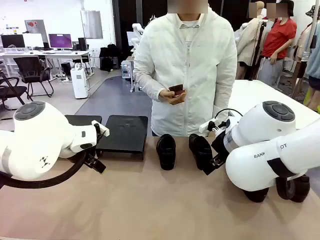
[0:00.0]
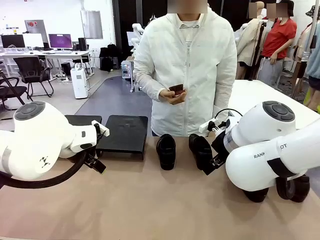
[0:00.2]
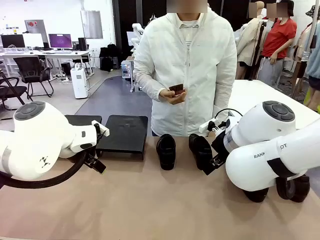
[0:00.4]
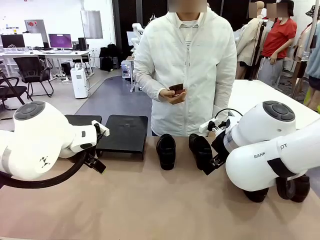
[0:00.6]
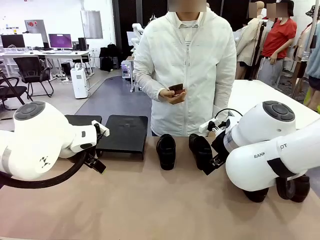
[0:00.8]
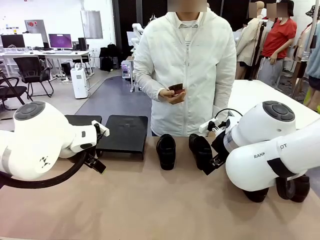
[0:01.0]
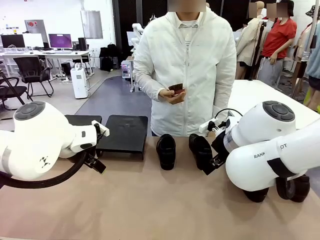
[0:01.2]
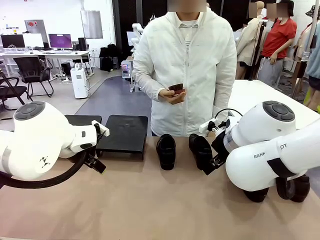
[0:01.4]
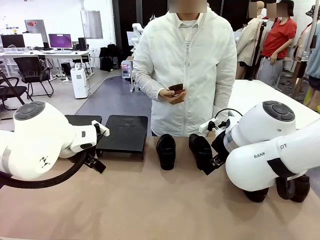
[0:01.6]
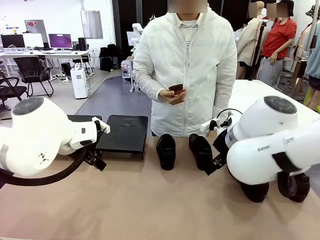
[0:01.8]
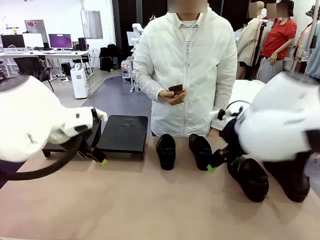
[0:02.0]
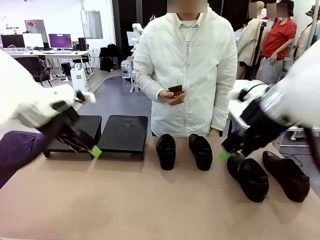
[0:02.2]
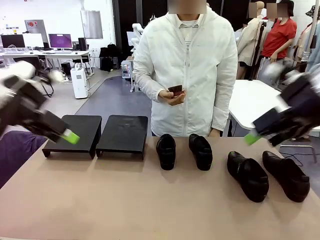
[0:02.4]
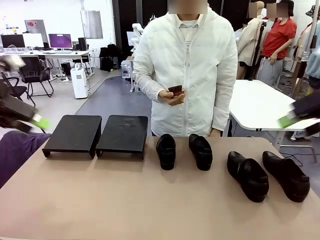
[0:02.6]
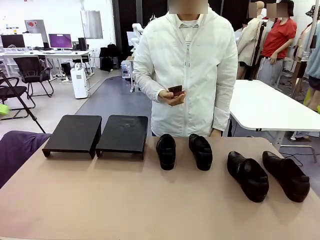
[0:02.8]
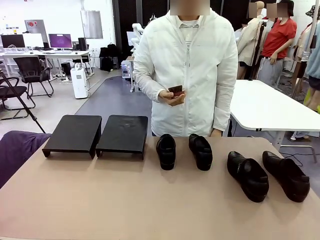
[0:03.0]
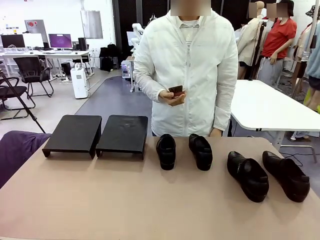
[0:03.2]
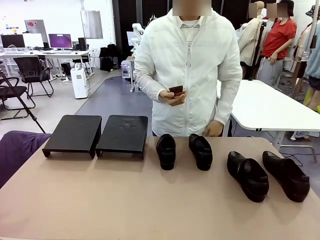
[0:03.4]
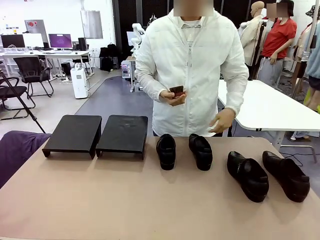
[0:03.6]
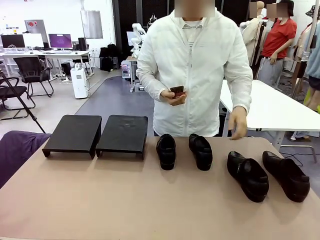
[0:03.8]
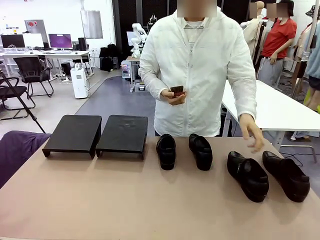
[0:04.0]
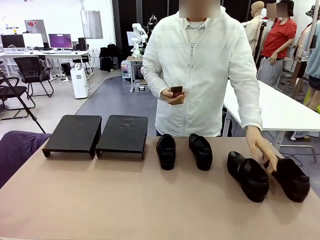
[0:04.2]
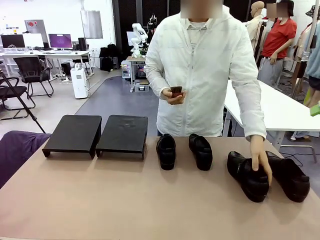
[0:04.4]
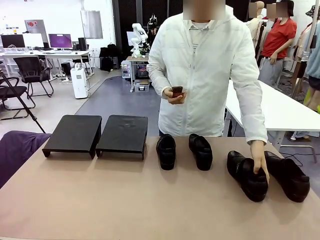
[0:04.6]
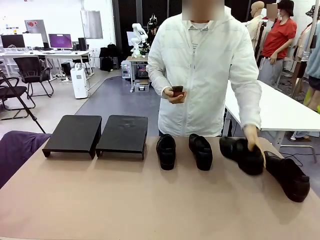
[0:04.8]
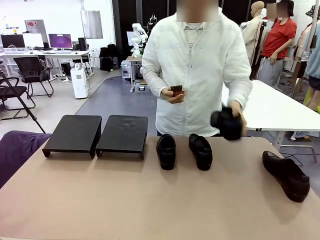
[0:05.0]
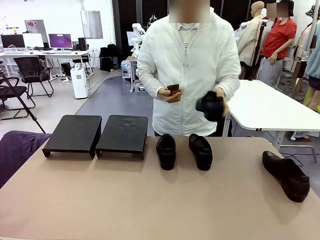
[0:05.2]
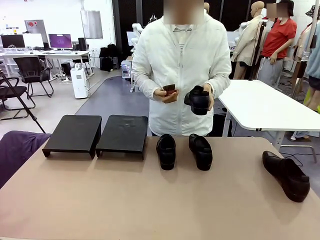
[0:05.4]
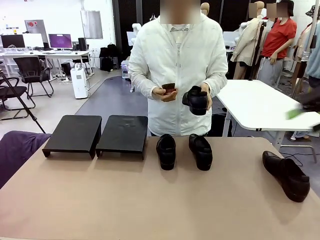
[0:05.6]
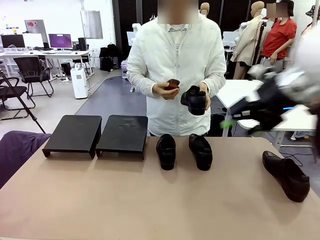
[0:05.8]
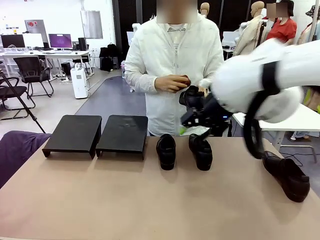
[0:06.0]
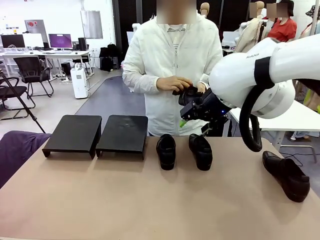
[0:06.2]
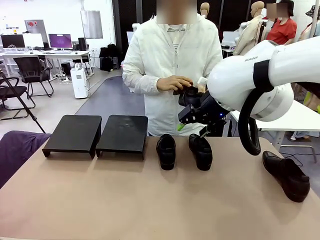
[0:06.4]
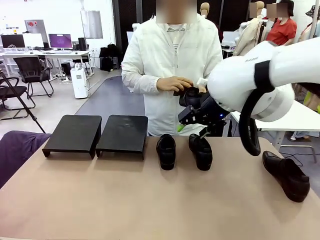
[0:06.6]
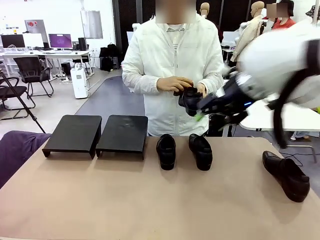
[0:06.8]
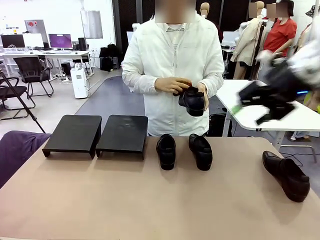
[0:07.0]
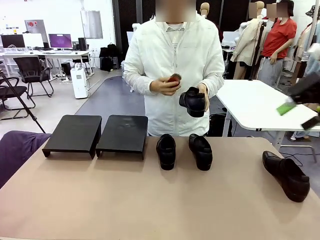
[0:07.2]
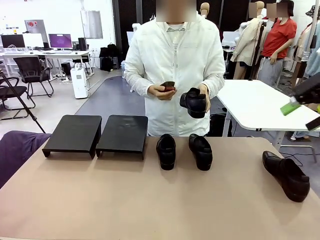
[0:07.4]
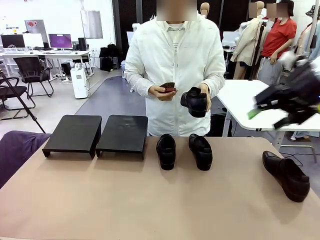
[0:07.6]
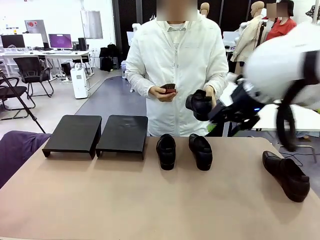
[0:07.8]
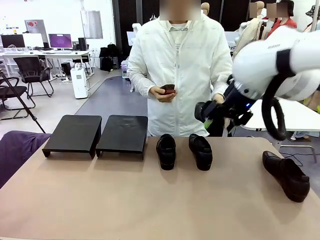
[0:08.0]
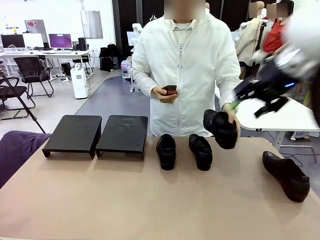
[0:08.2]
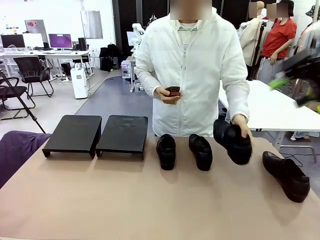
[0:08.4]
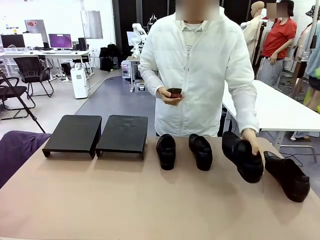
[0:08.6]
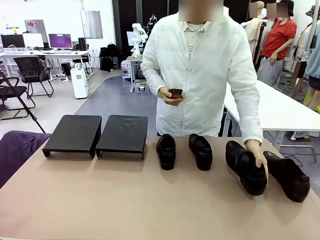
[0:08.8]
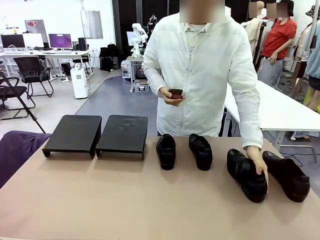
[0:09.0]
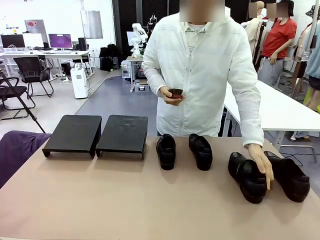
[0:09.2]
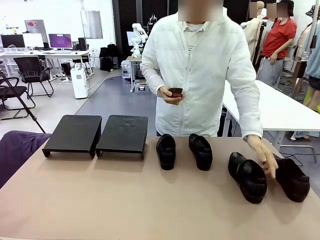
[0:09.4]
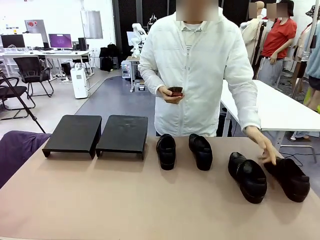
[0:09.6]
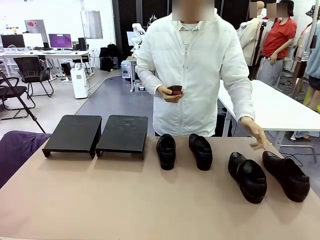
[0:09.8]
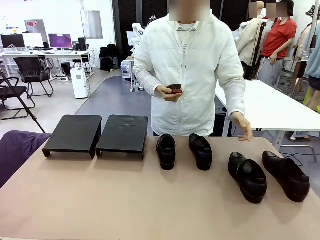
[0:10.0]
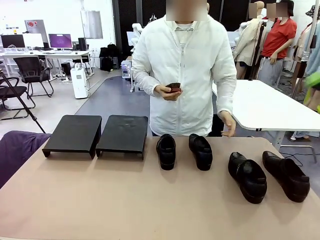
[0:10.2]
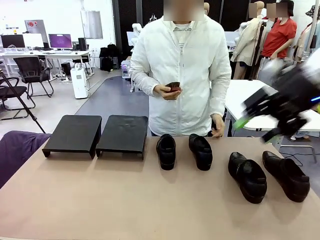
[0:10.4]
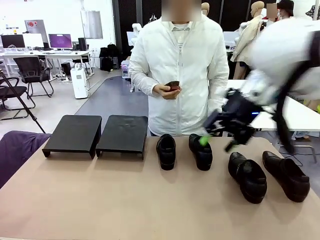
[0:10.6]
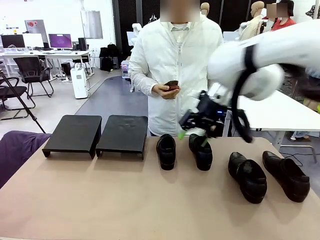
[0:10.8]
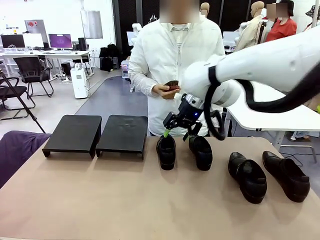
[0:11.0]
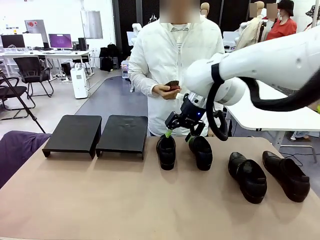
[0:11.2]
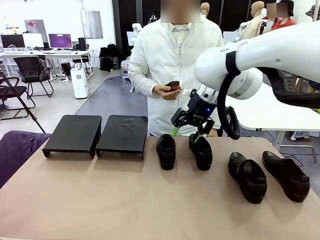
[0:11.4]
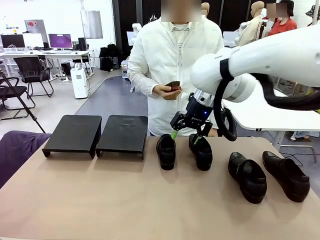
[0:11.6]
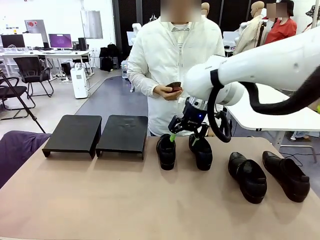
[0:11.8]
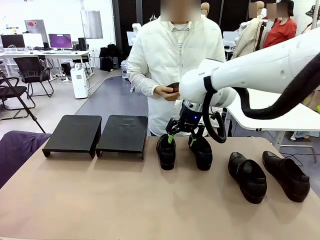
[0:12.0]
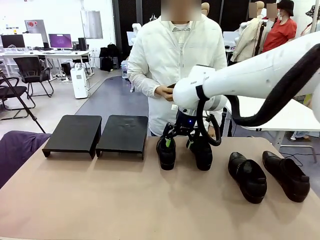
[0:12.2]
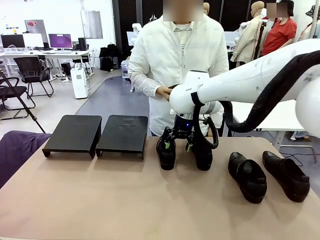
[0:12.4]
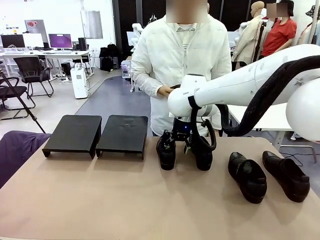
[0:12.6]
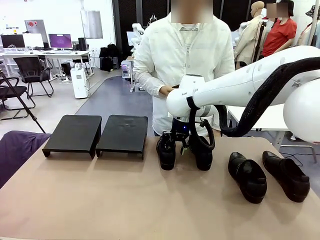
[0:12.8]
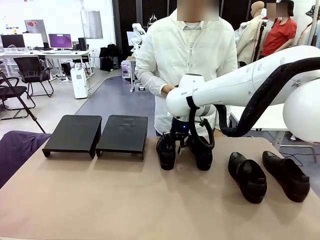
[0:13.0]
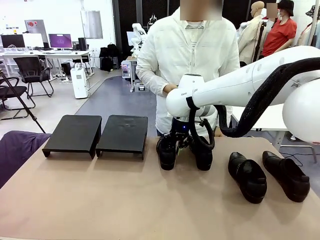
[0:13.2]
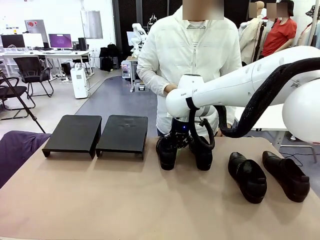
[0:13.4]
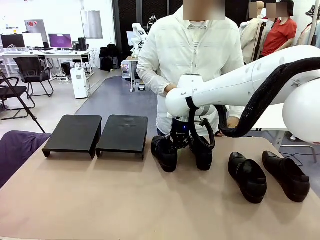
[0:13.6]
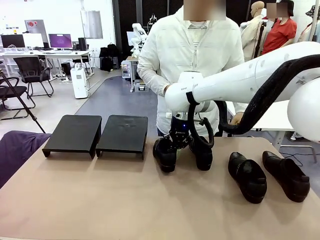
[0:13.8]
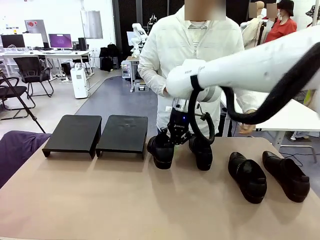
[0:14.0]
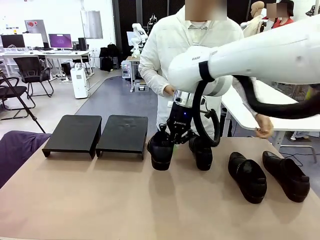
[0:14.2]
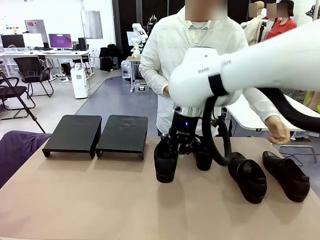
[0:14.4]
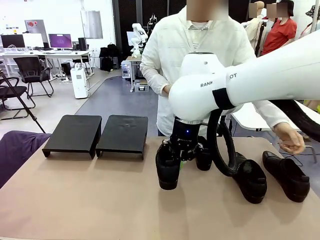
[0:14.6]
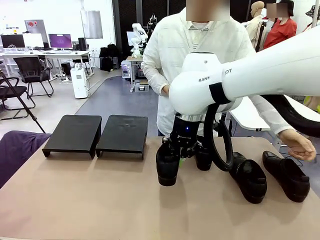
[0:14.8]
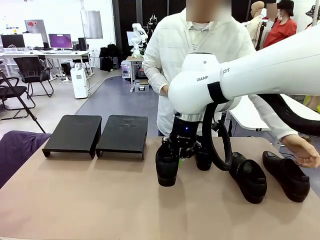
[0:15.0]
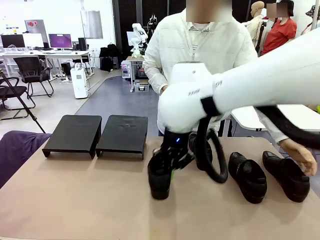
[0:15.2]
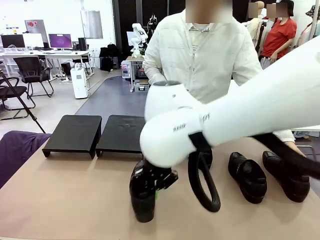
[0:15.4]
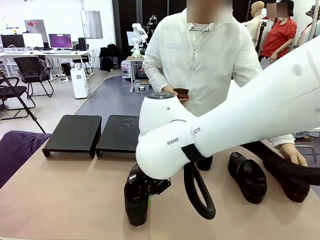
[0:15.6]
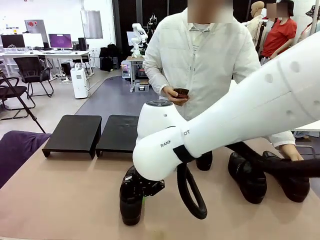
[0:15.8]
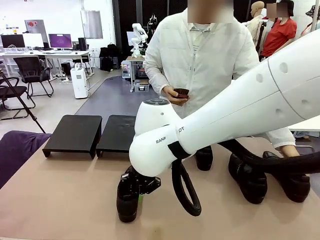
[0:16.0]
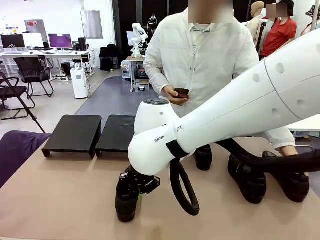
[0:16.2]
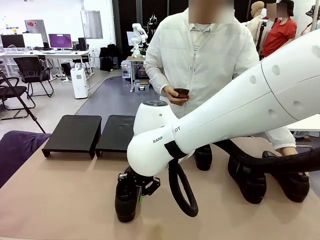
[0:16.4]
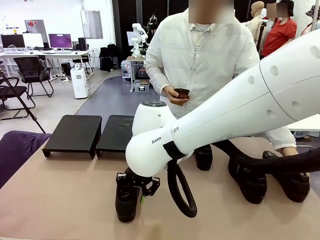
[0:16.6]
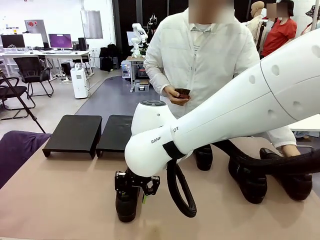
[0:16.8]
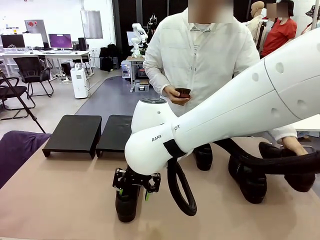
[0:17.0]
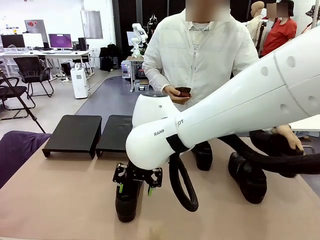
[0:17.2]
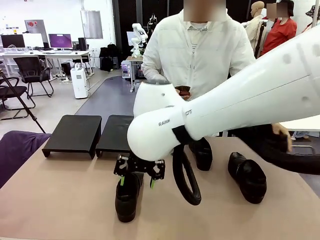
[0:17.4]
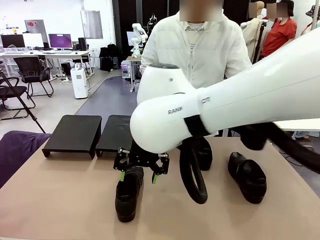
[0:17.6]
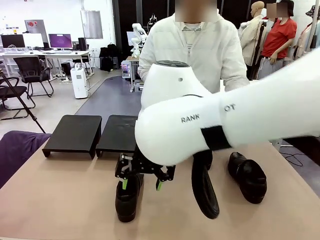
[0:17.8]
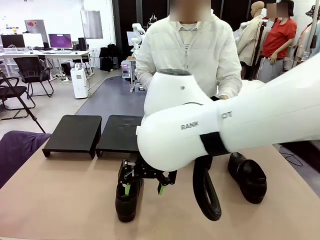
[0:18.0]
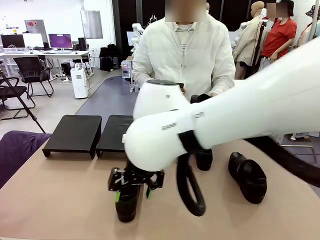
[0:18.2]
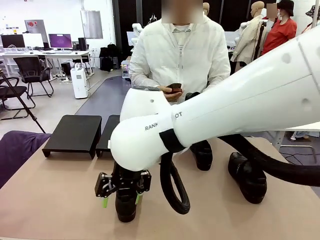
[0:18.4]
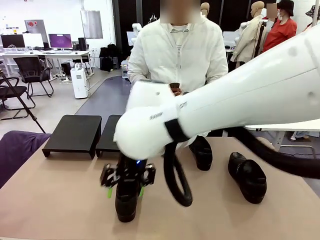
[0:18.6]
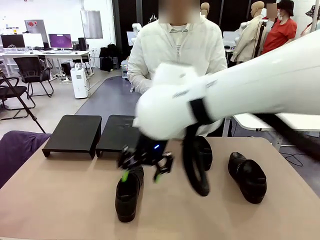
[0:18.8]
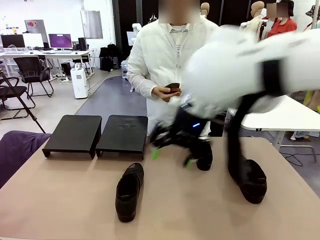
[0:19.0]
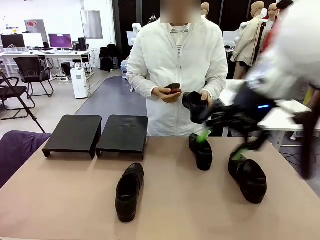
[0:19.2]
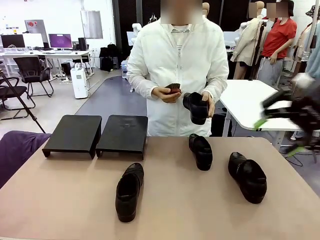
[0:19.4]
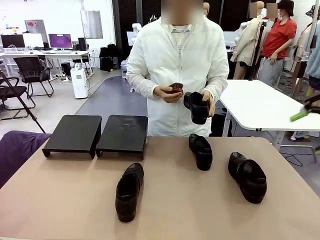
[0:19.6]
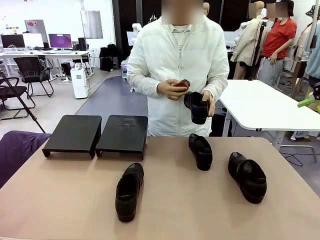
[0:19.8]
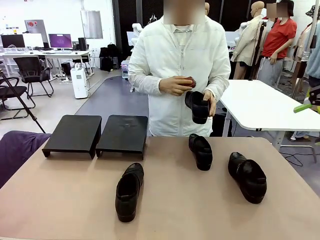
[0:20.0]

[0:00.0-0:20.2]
Task: Organize the shoes by placing them on the stand.
Robot: Pick up one Shoe and place it in the middle of the table.
Person: Pick one Shoe on Robot's table. Clean the Shoe with the Shoe Brush. Place the Shoe on left side of the Robot's table. Pick one Shoe on Robot's table.
